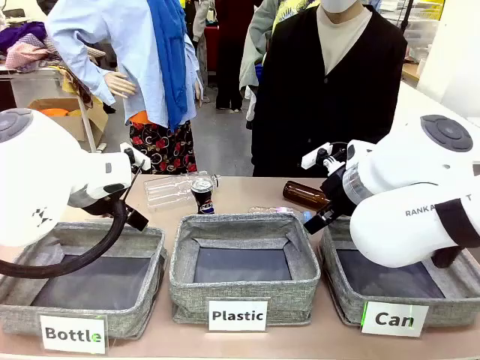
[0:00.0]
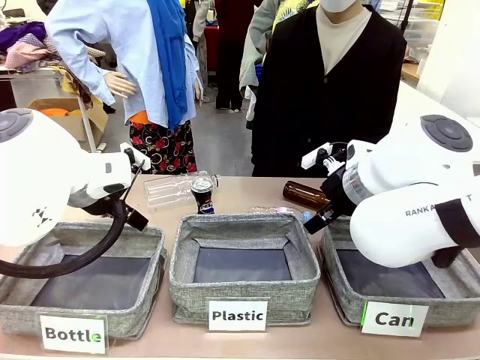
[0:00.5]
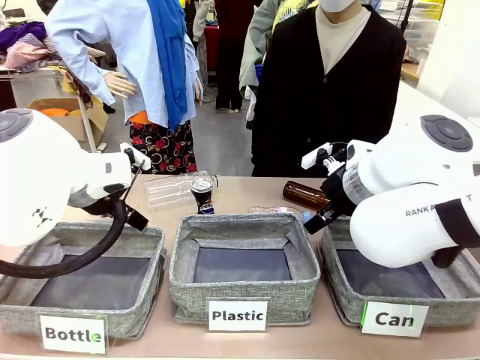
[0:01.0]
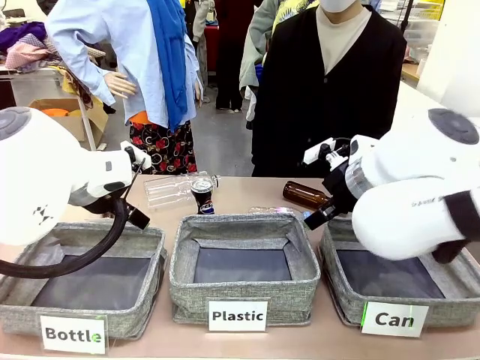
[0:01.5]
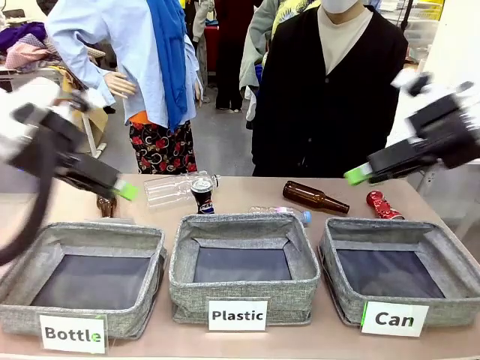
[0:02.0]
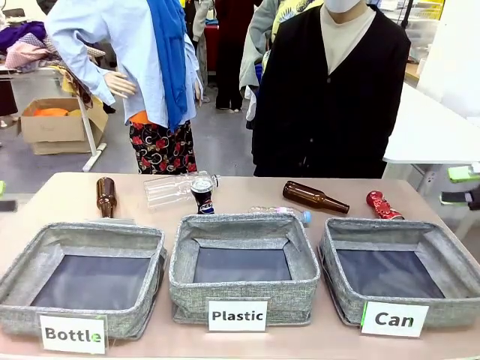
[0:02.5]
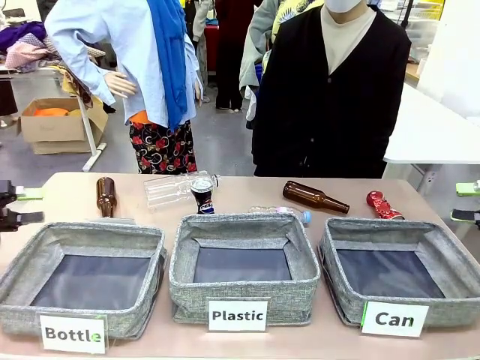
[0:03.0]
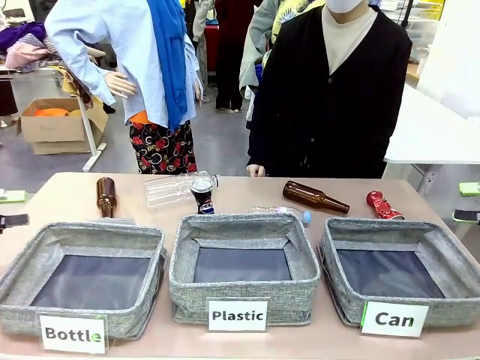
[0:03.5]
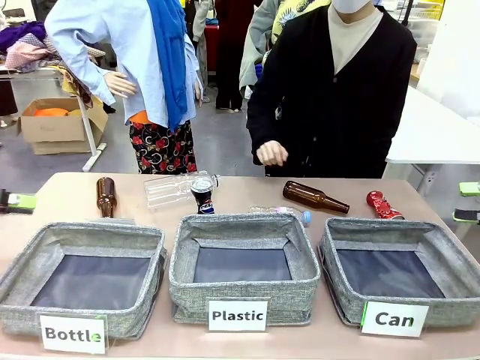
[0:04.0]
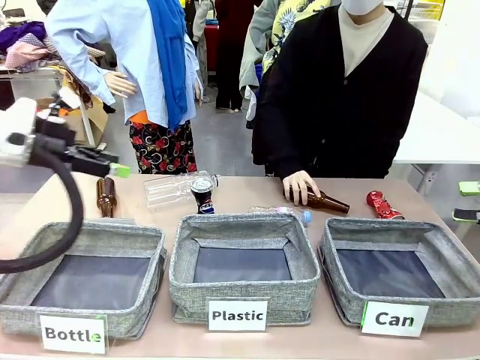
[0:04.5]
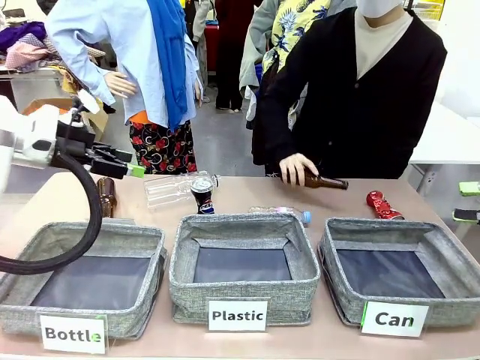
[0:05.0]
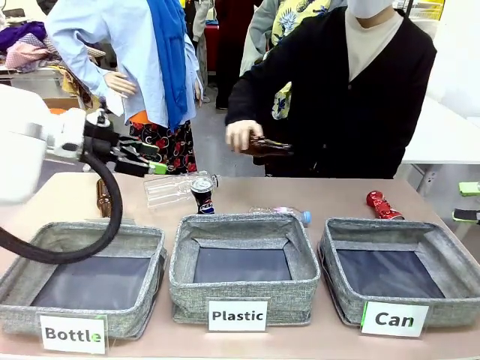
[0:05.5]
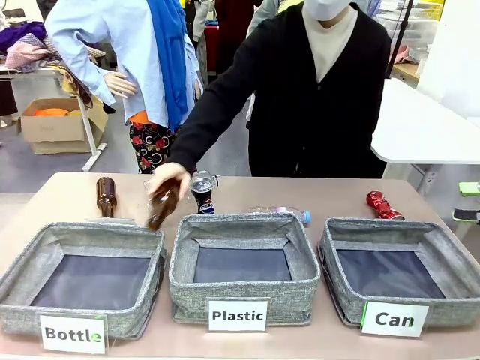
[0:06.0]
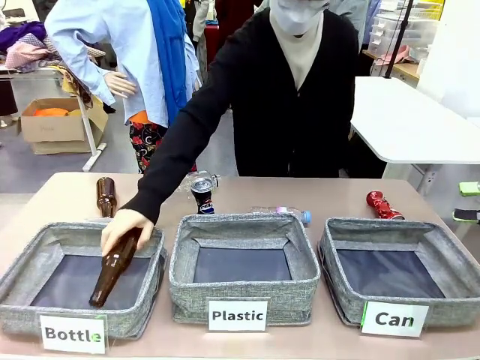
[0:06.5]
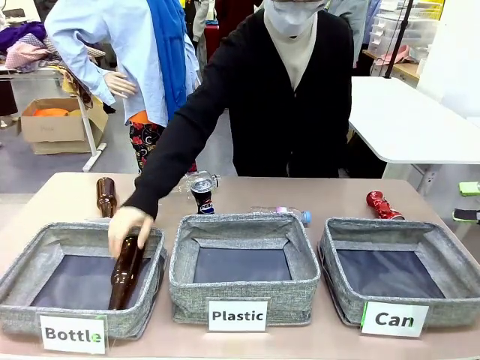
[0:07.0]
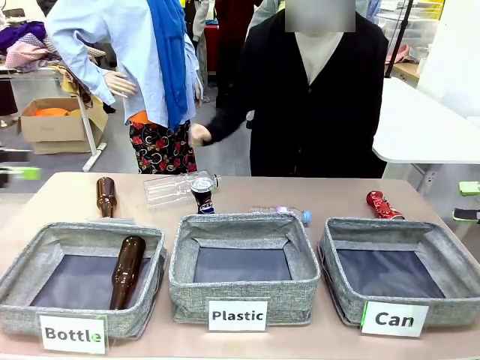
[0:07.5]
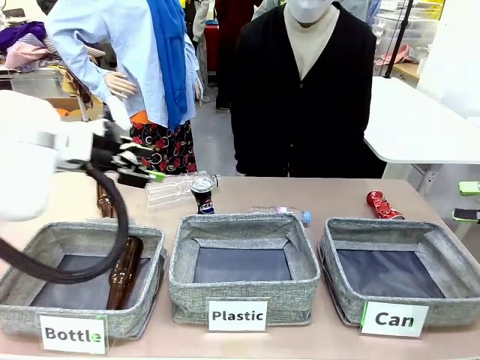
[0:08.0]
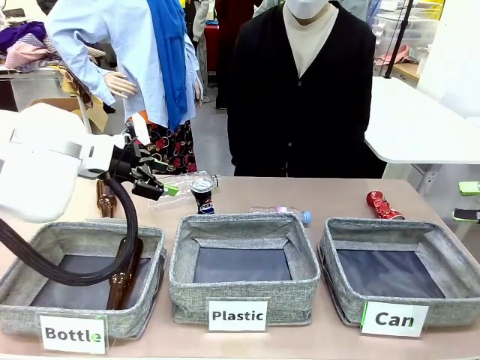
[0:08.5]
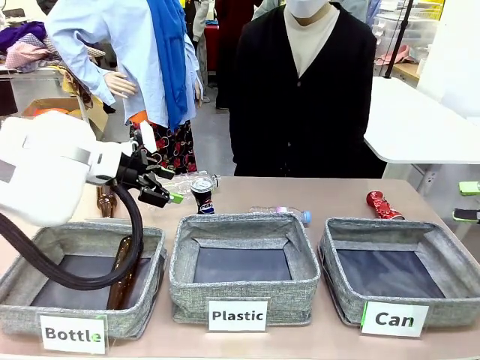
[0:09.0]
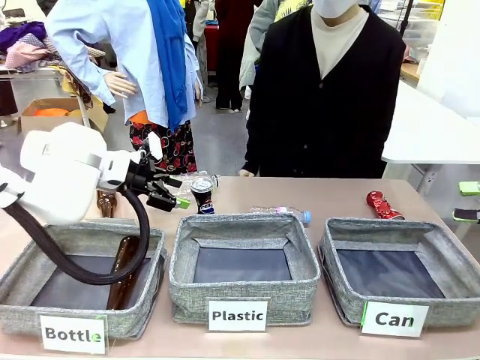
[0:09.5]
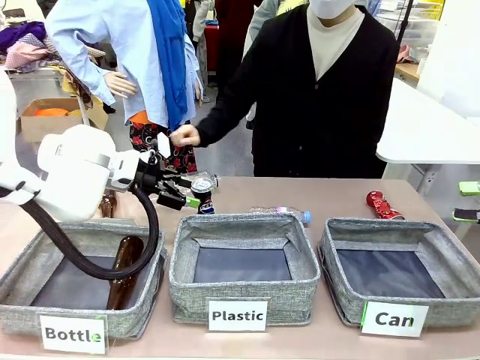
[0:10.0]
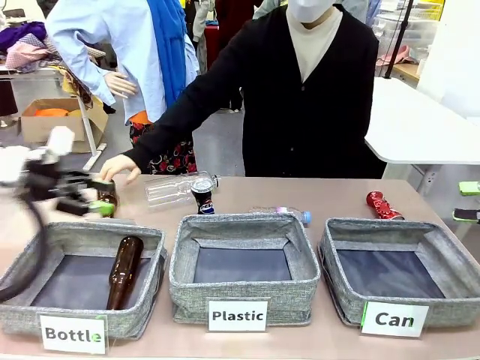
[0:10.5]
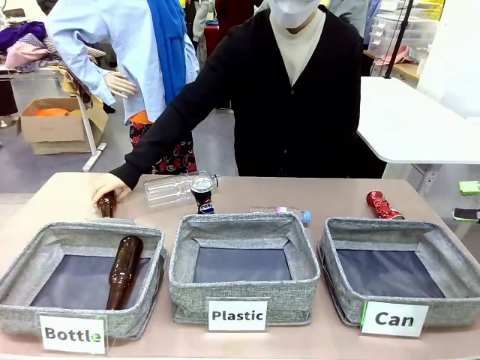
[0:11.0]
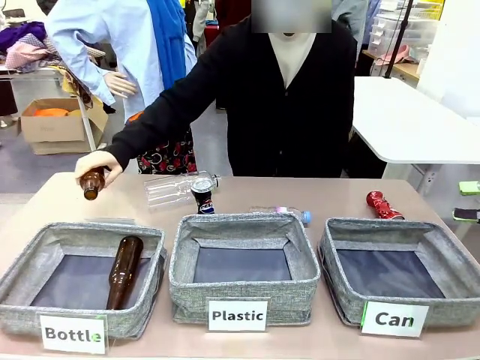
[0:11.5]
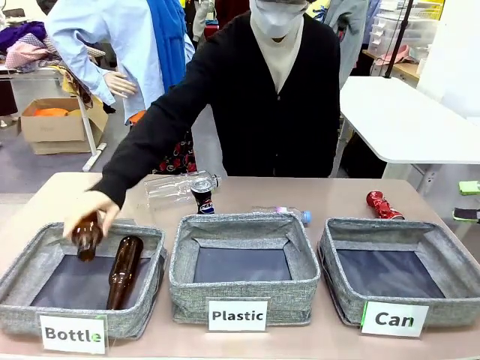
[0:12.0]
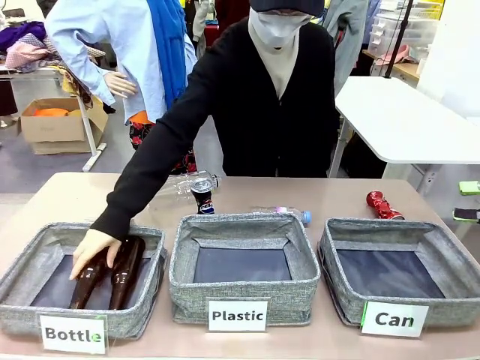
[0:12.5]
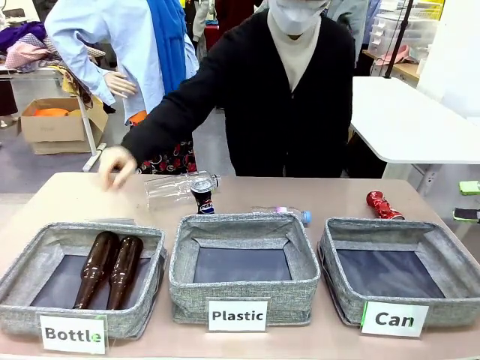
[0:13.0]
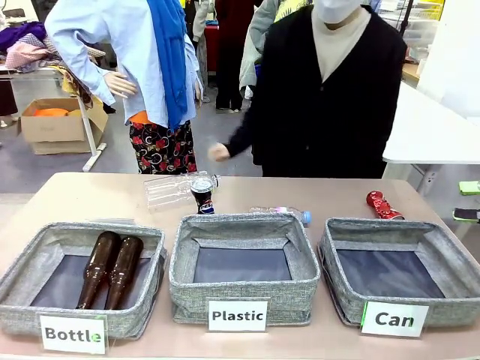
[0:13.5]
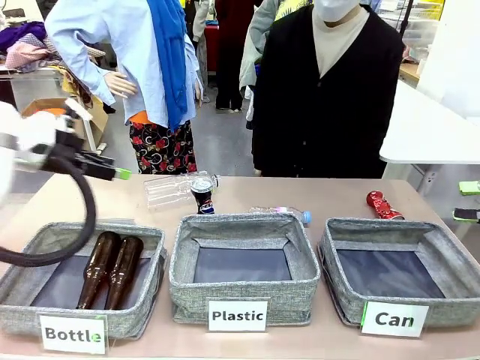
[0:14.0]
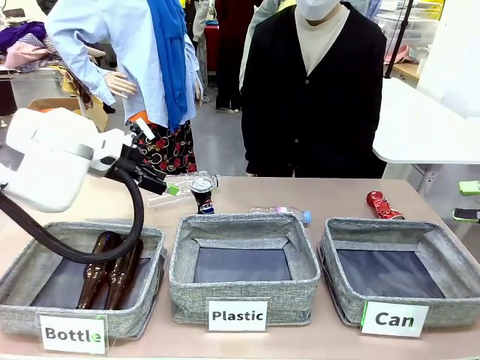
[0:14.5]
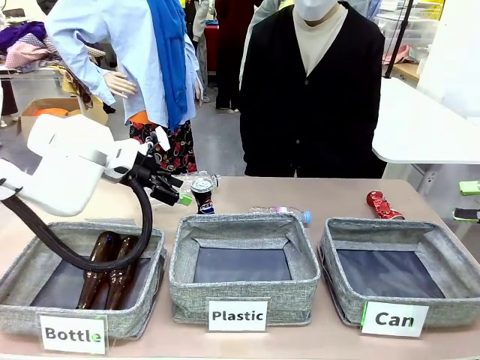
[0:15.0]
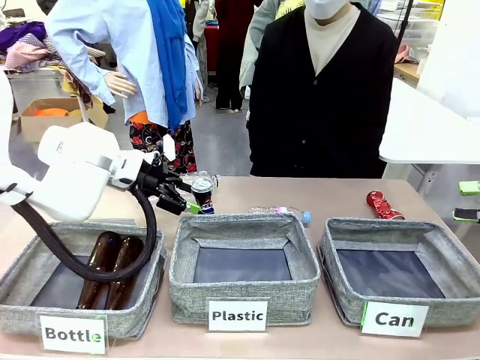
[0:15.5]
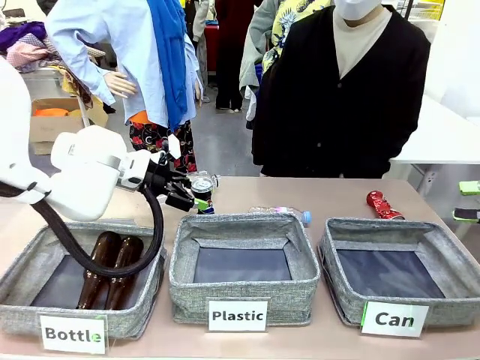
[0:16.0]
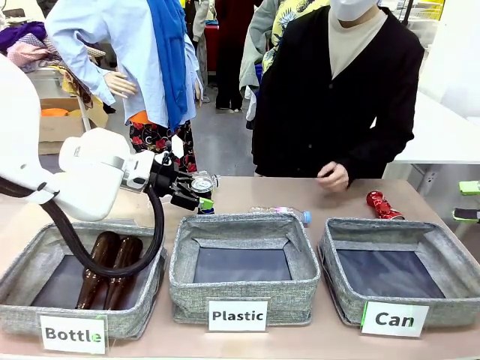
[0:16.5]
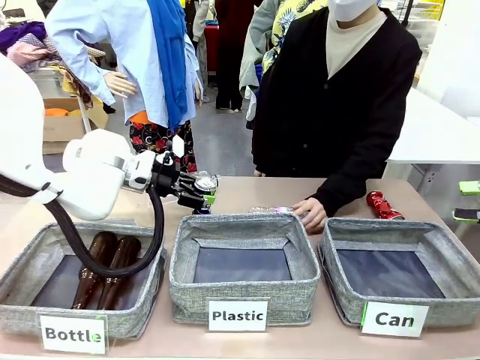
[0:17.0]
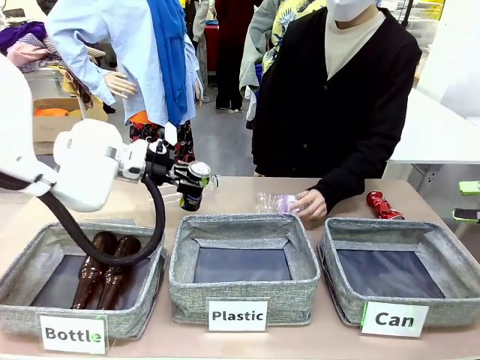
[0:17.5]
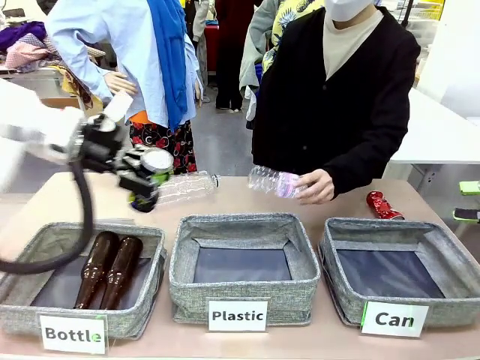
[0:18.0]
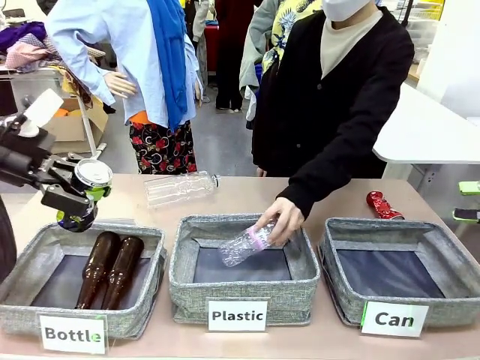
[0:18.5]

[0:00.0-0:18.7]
Task: Sort the can waste into the basket.
Robot: Pick up the can waste from the table and place it in the right Fabric basket.
